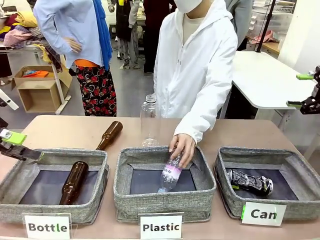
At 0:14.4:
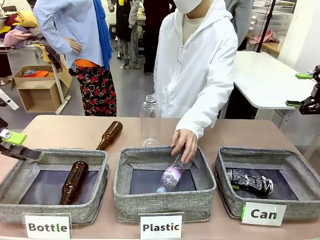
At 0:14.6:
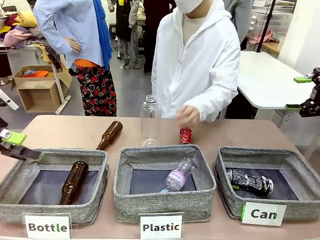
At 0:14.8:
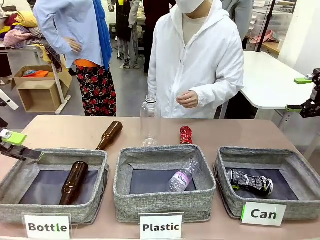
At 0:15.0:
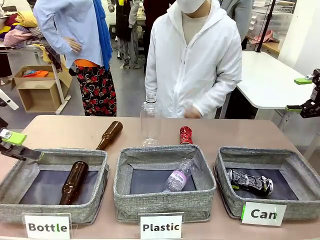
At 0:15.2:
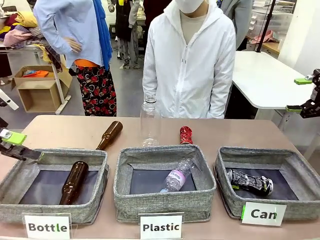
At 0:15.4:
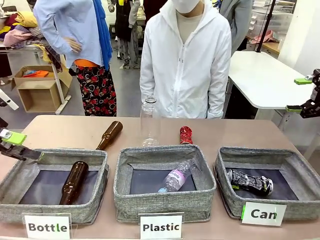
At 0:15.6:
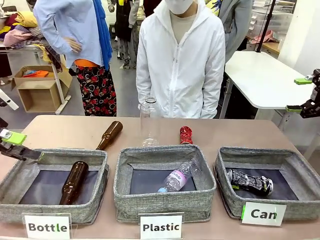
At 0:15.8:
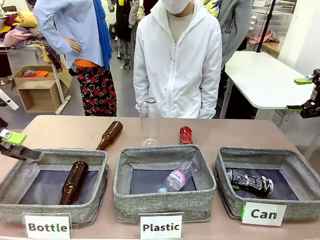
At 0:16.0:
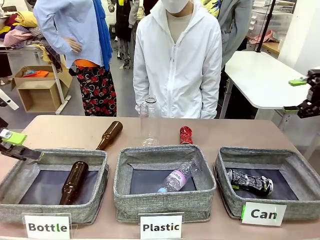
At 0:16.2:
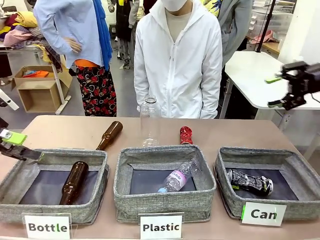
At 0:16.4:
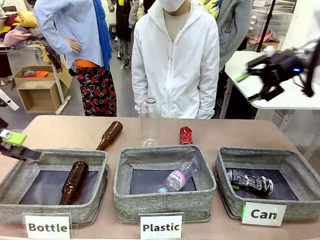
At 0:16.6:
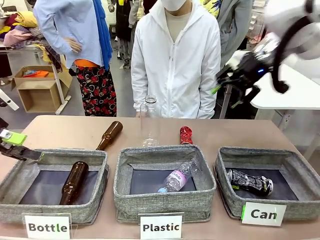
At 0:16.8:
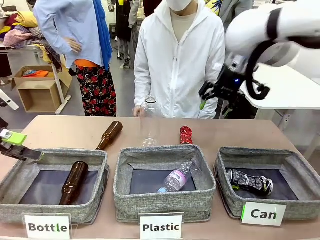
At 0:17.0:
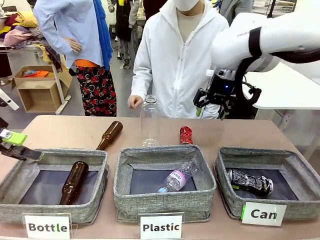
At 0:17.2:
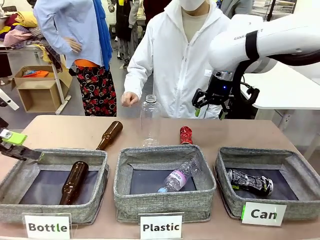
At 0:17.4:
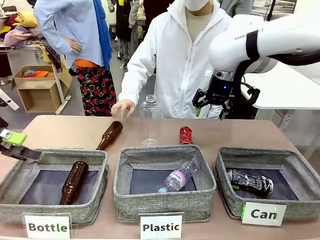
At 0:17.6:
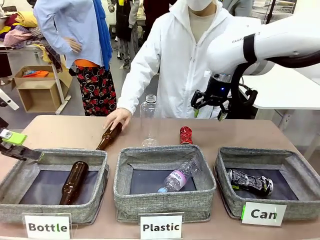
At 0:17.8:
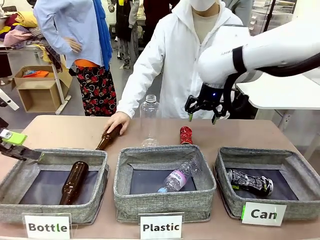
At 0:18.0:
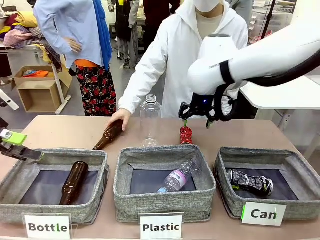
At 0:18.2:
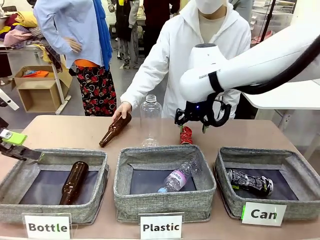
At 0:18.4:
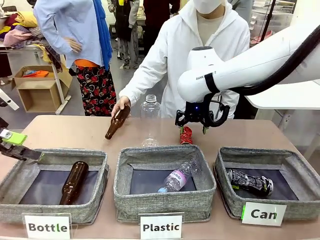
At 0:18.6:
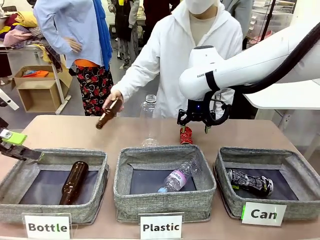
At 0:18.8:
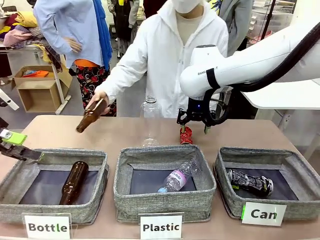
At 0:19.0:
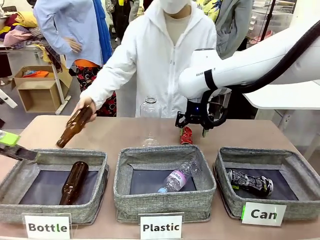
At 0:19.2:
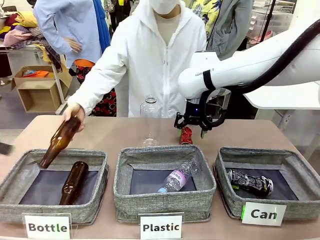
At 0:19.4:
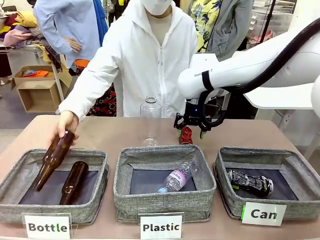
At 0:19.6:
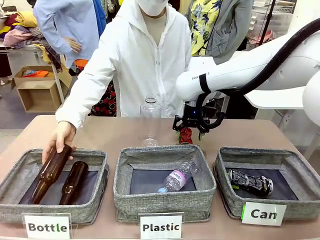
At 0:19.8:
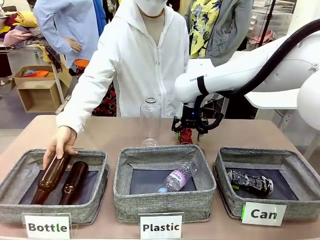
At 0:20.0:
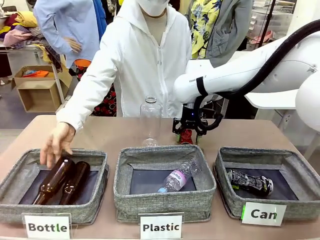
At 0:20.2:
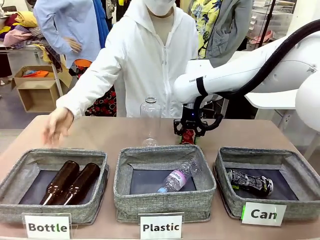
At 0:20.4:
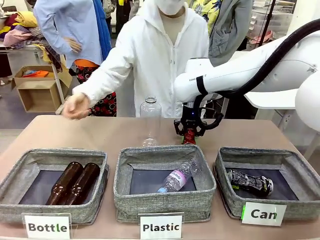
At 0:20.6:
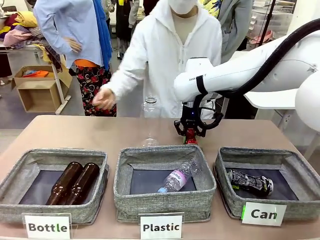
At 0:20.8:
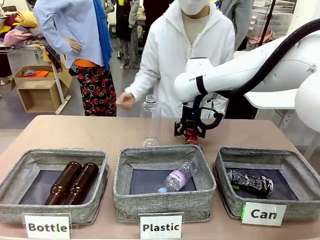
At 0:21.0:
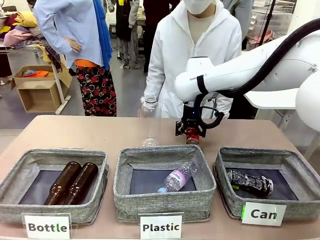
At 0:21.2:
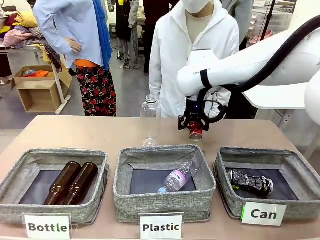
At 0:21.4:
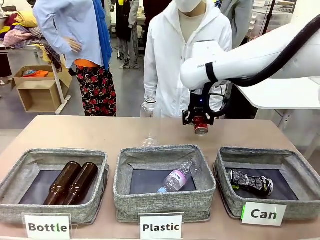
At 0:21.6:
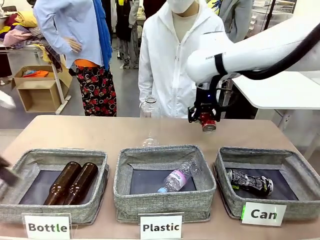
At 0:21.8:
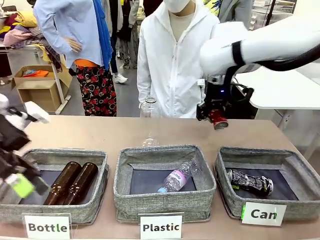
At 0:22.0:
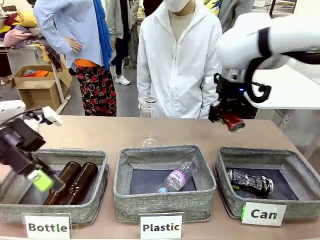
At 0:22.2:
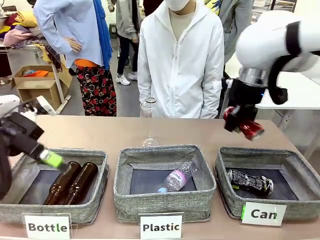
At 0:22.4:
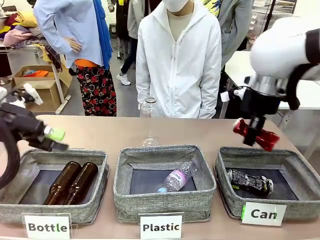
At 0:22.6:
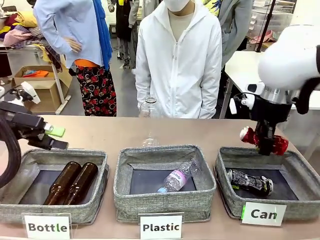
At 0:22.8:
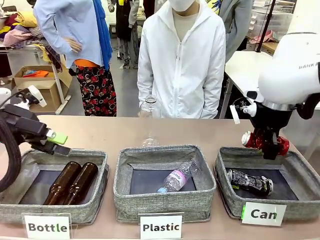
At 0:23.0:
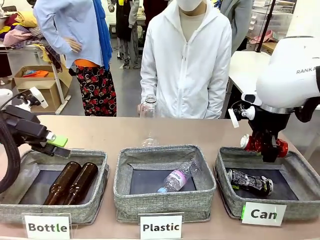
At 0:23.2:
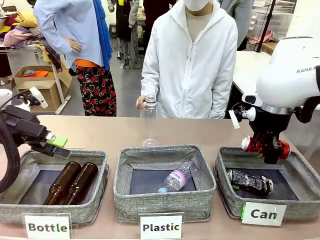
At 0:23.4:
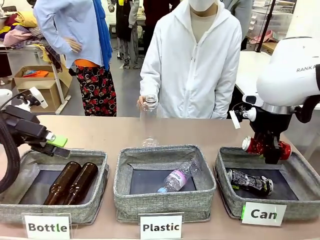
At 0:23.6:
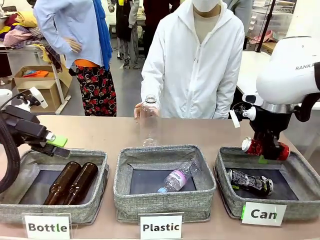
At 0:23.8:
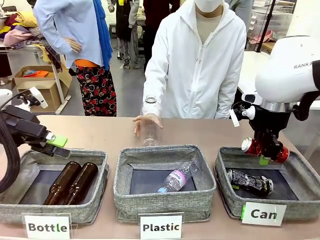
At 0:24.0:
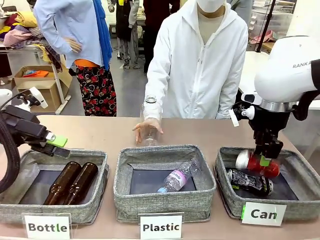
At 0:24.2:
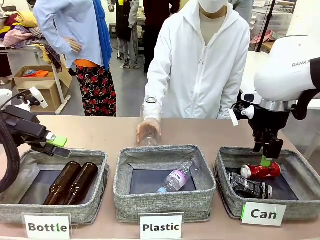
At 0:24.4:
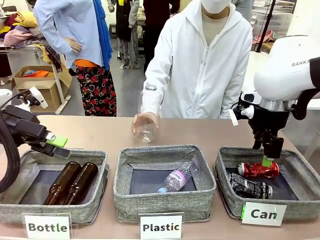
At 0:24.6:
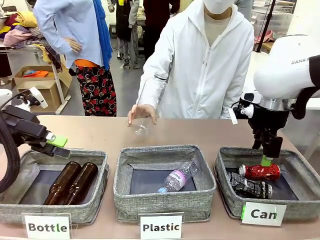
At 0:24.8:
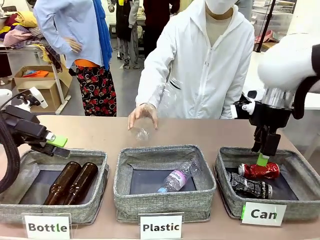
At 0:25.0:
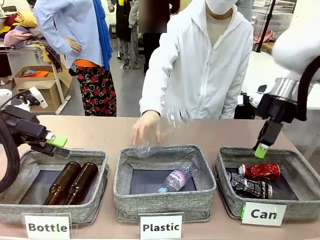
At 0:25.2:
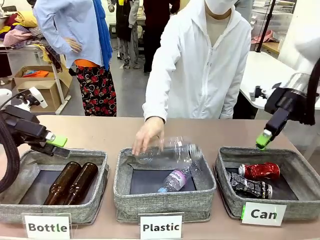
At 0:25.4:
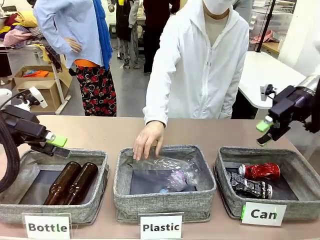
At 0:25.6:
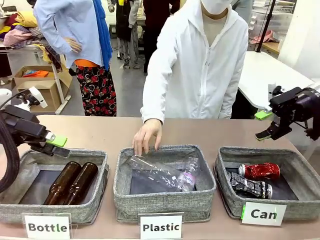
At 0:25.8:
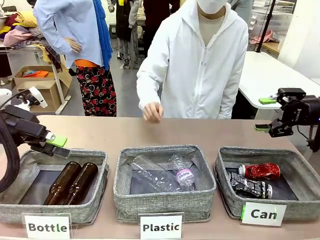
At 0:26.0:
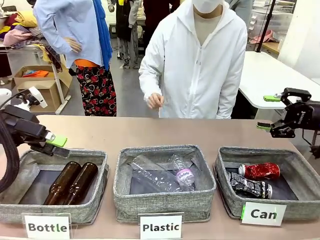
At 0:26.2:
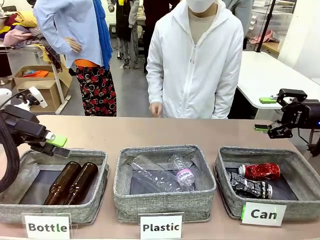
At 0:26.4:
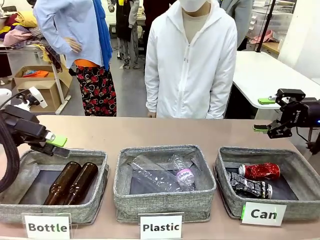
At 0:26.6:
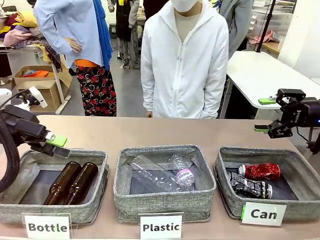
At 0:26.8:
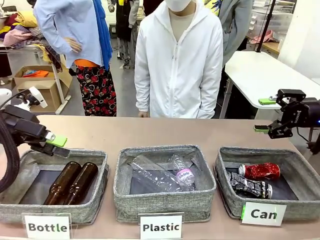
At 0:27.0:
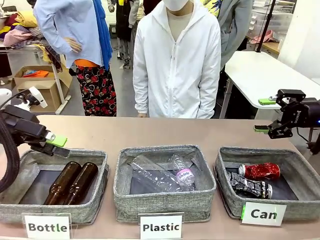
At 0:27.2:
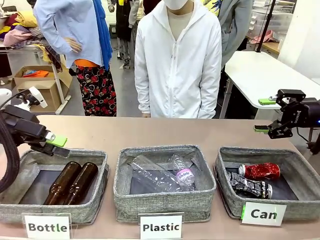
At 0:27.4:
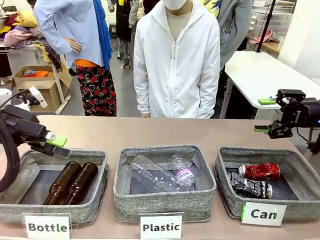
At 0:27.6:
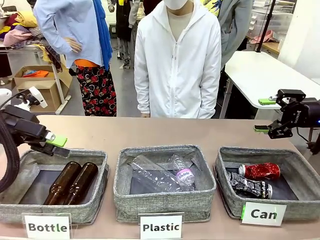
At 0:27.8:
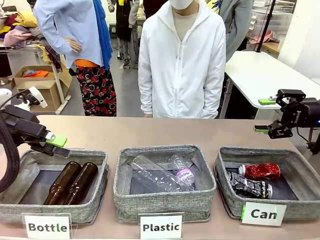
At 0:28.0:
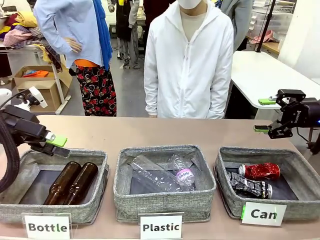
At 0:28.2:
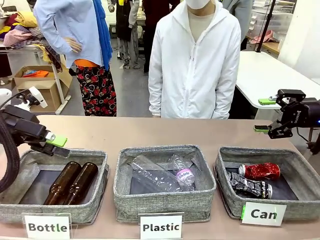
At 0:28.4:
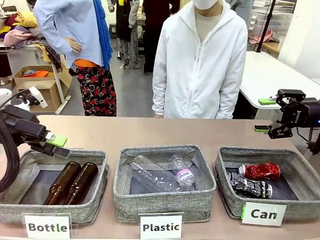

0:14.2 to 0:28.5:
Task: Sort the can waste into the basket.
Robot: Pick up the can waste from the table and place it in the right Fabric basket.
Person: The human picks up one piece of trash that is not a can and places the trash into the appropriate organizing basket.

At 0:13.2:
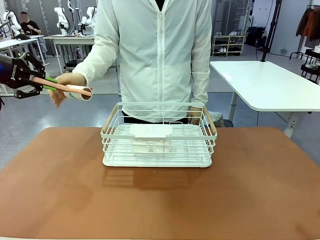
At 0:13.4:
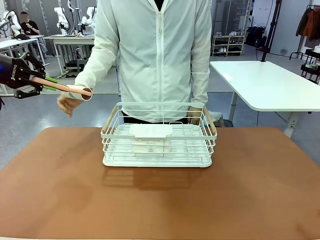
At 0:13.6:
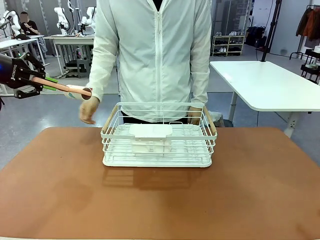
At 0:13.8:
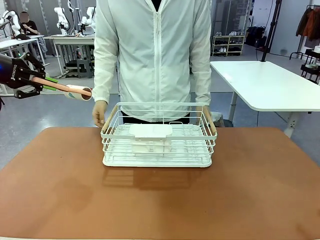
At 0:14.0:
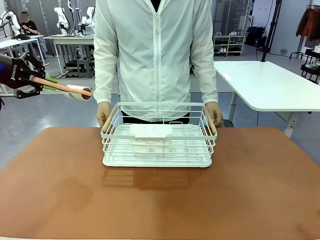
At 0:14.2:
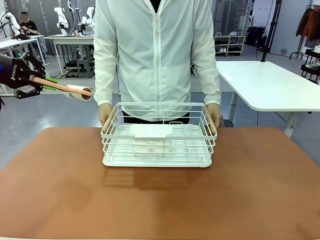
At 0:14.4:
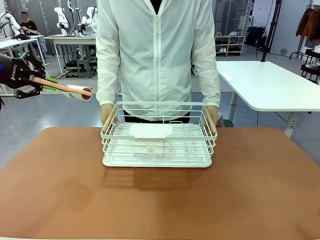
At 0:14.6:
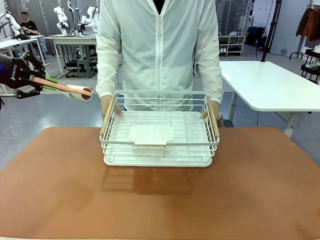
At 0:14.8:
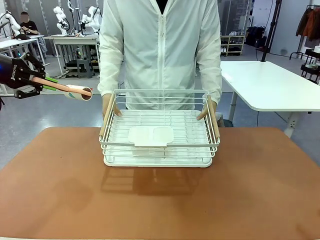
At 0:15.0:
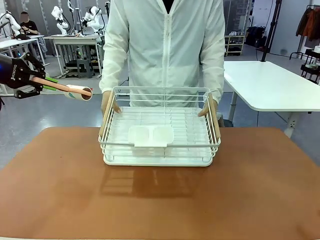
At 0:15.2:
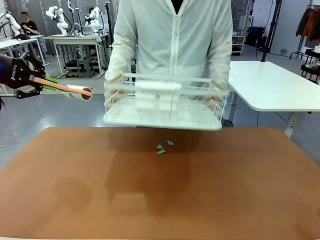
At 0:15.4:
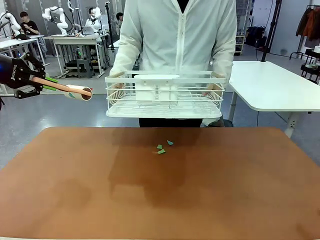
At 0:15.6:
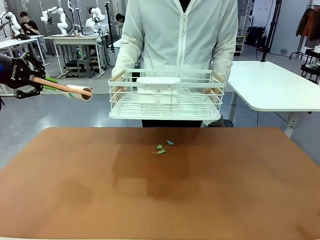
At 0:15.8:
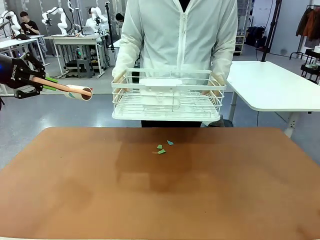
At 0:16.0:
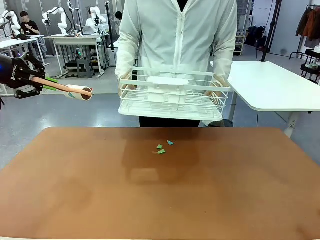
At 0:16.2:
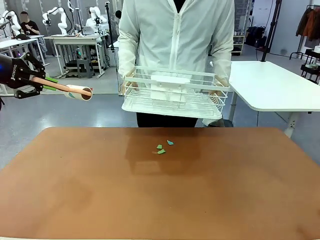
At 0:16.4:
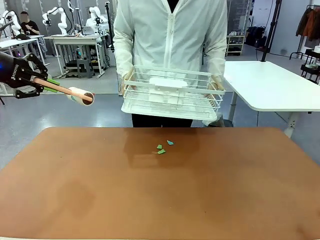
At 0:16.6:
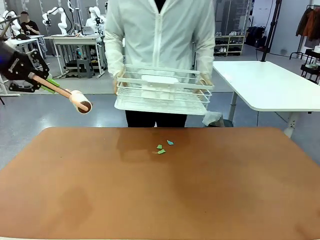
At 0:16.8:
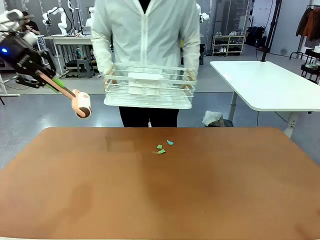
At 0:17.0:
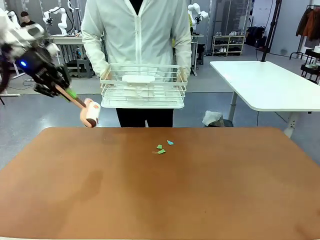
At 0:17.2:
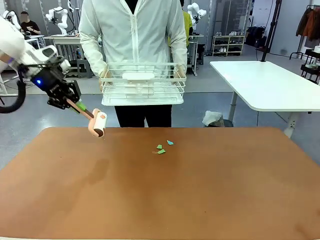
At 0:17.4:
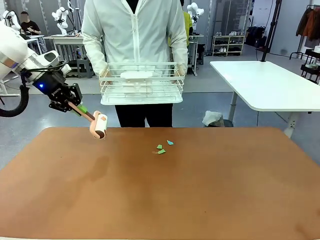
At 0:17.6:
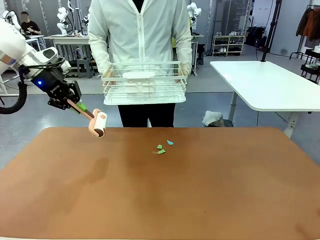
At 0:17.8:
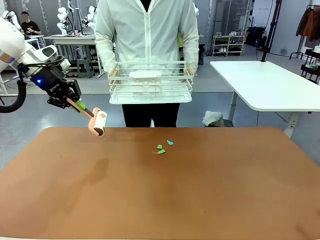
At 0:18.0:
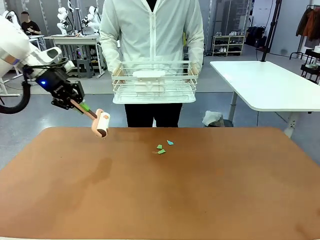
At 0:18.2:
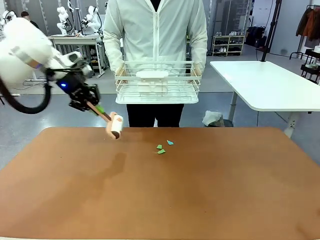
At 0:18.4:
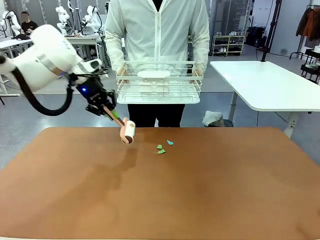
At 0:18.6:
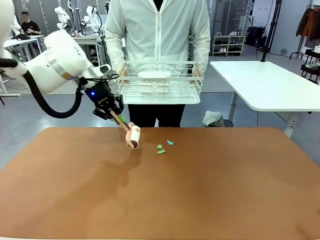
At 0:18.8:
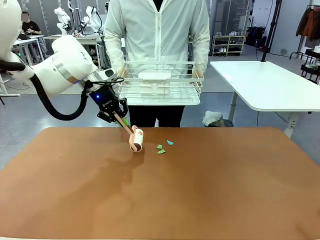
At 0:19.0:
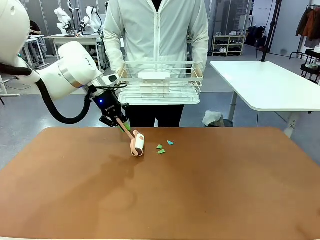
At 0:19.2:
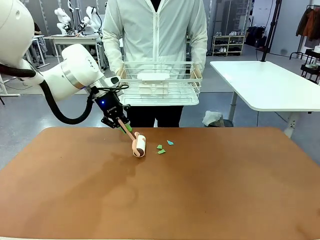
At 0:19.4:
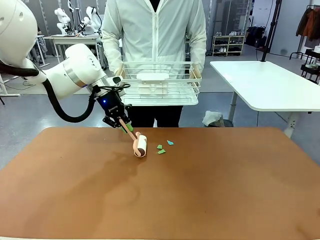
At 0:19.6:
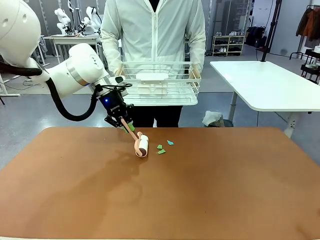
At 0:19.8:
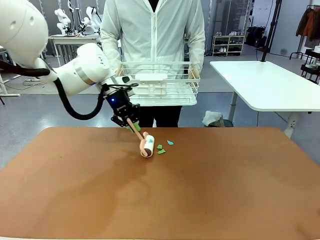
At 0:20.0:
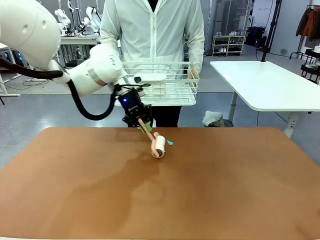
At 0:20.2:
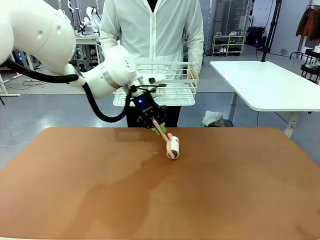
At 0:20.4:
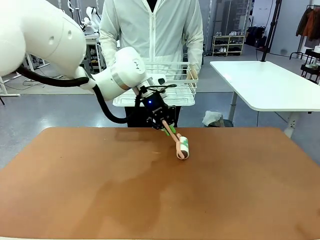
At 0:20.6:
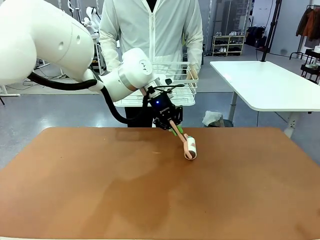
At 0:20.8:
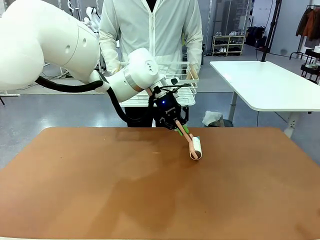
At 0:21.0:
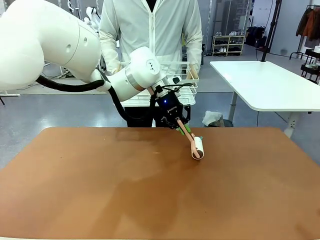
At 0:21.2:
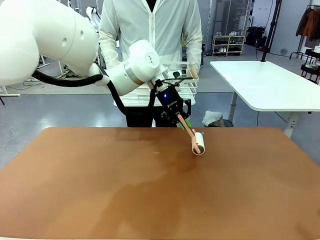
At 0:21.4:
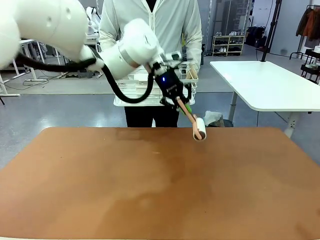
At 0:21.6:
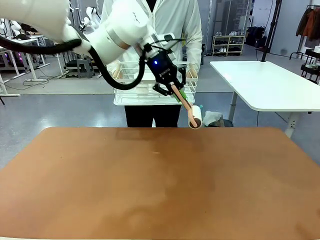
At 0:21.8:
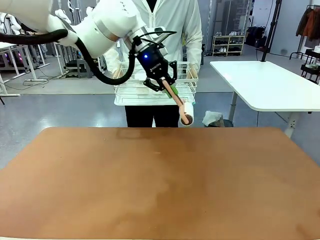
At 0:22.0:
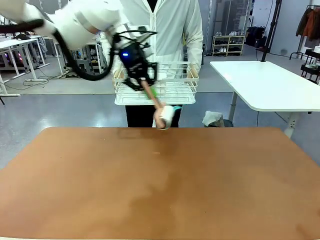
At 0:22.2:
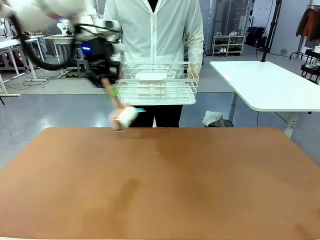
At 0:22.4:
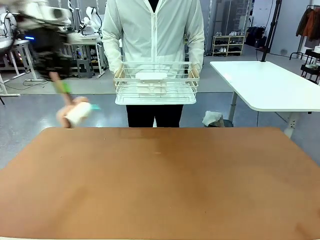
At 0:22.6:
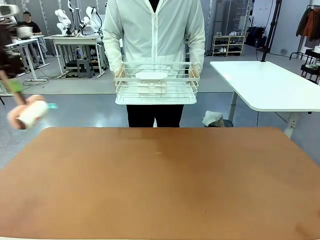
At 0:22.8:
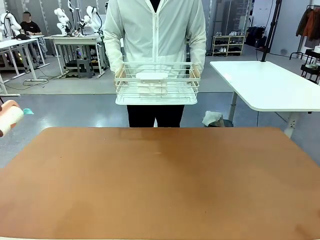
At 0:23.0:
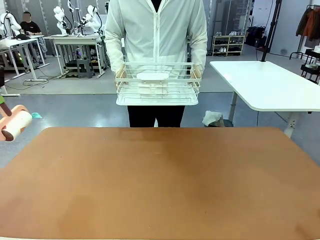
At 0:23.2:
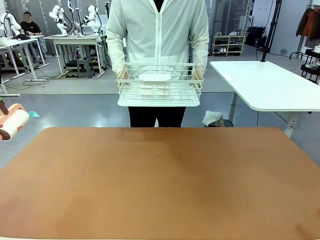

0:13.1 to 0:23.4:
Task: Clean the table.
Robot: Clean the table with the Lint Roller when the human lifts the Dish drying rack.
